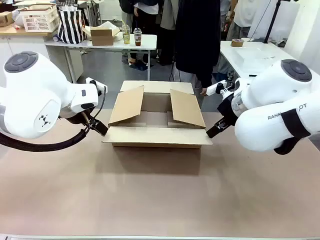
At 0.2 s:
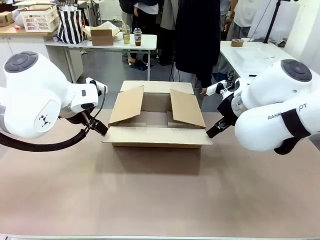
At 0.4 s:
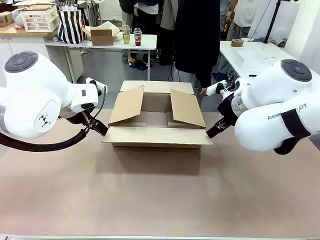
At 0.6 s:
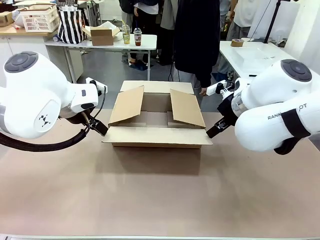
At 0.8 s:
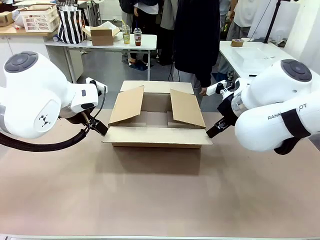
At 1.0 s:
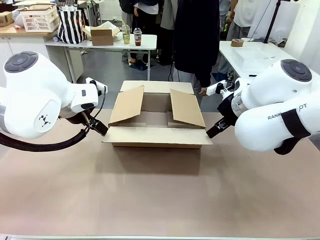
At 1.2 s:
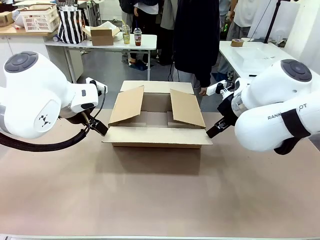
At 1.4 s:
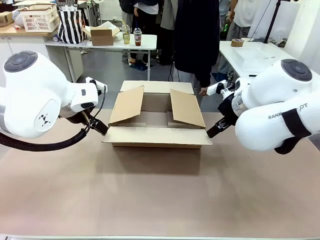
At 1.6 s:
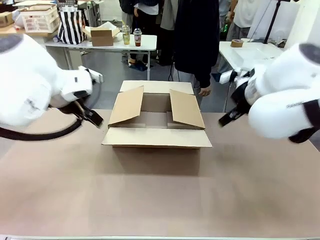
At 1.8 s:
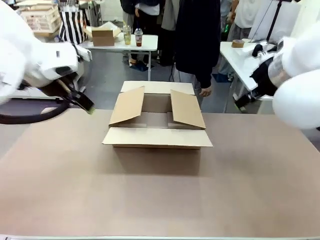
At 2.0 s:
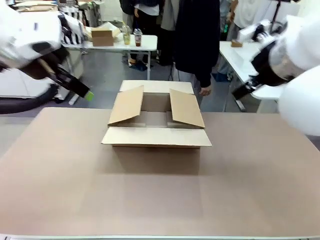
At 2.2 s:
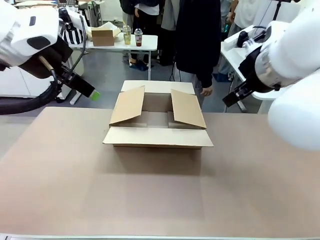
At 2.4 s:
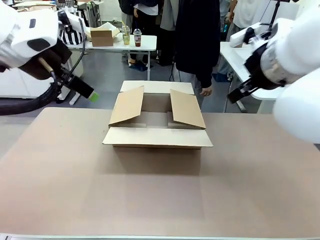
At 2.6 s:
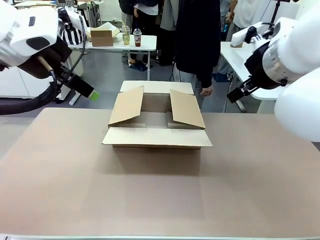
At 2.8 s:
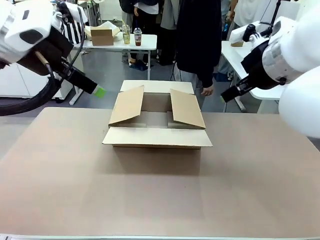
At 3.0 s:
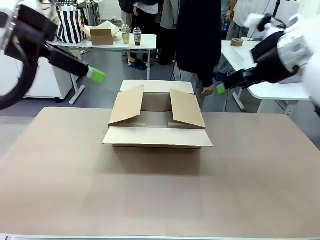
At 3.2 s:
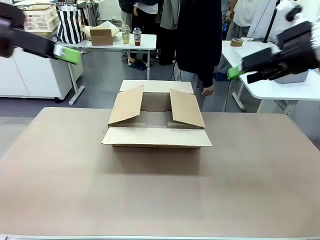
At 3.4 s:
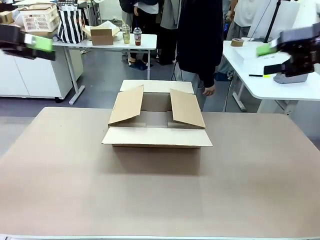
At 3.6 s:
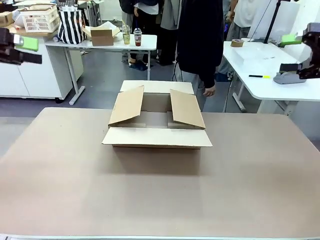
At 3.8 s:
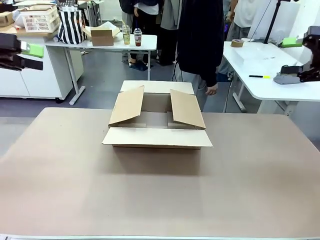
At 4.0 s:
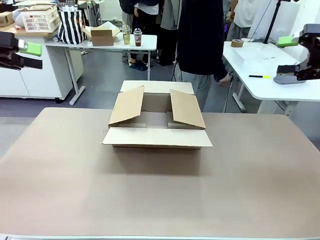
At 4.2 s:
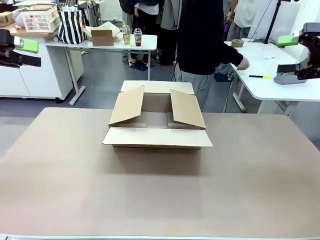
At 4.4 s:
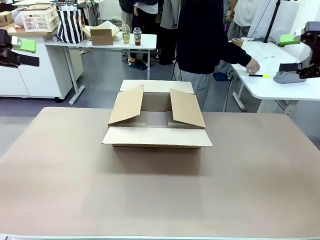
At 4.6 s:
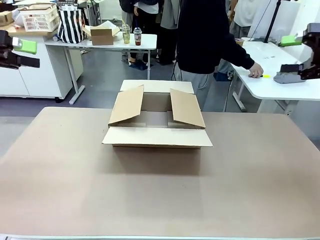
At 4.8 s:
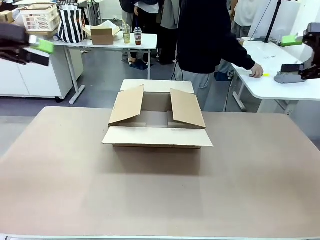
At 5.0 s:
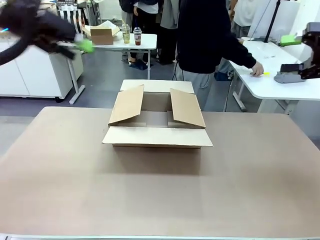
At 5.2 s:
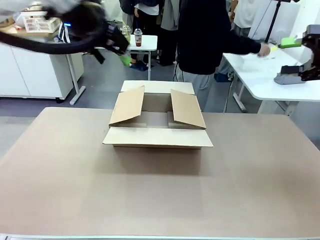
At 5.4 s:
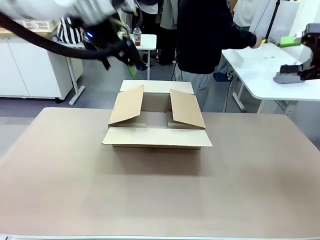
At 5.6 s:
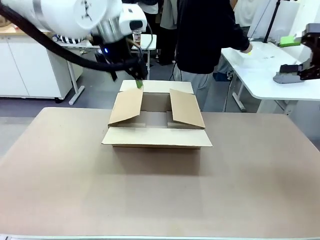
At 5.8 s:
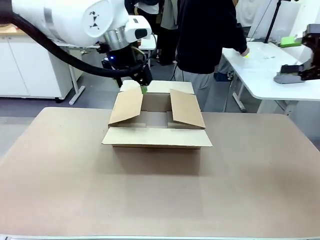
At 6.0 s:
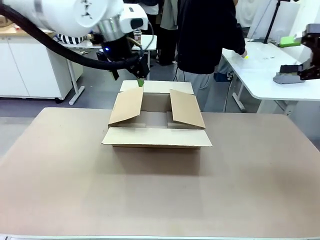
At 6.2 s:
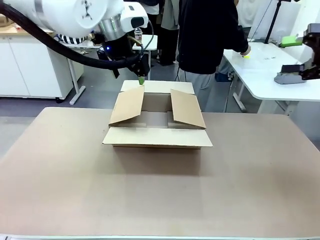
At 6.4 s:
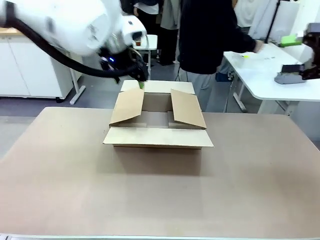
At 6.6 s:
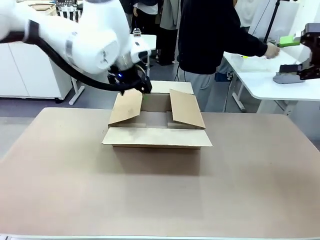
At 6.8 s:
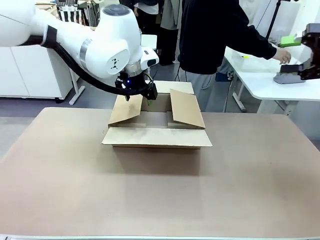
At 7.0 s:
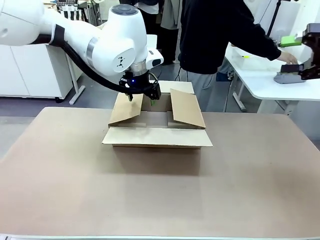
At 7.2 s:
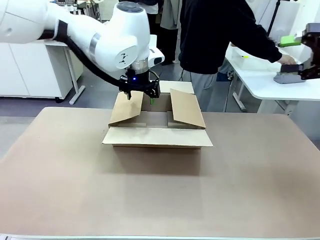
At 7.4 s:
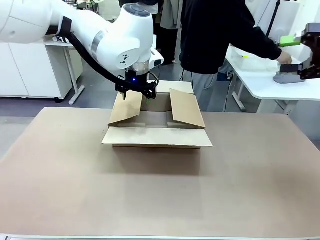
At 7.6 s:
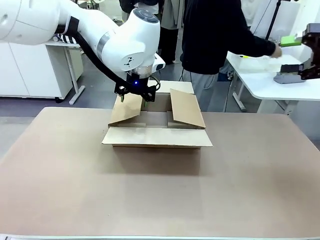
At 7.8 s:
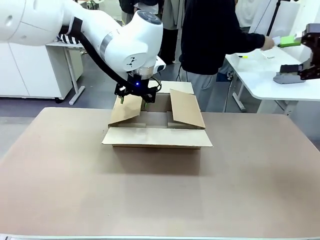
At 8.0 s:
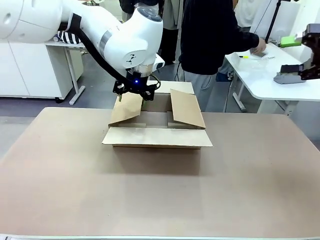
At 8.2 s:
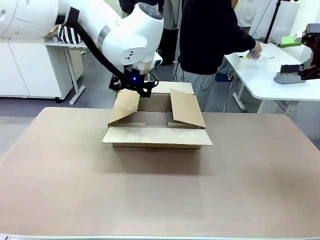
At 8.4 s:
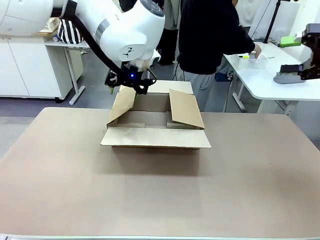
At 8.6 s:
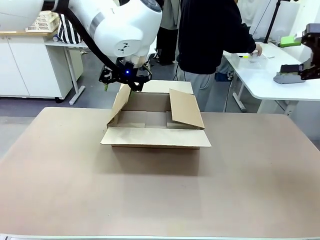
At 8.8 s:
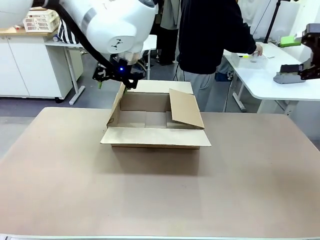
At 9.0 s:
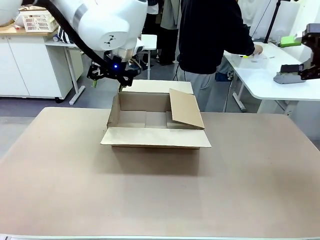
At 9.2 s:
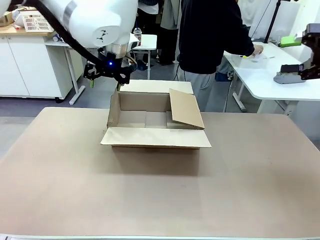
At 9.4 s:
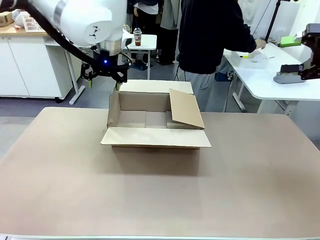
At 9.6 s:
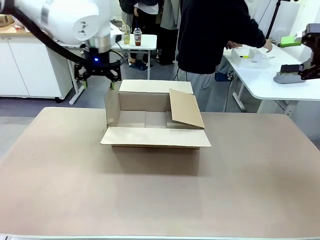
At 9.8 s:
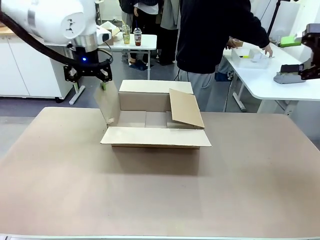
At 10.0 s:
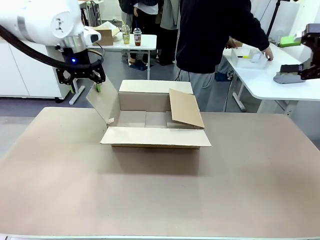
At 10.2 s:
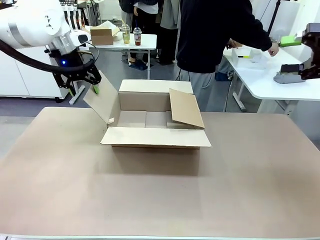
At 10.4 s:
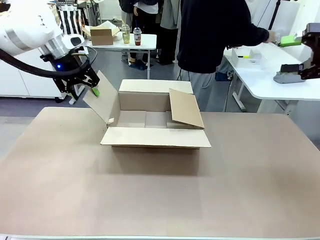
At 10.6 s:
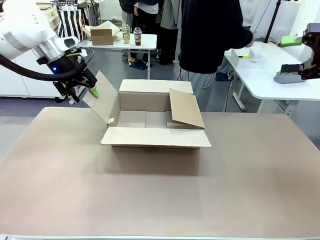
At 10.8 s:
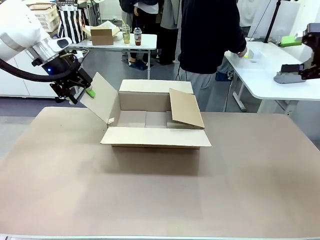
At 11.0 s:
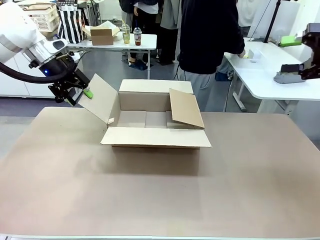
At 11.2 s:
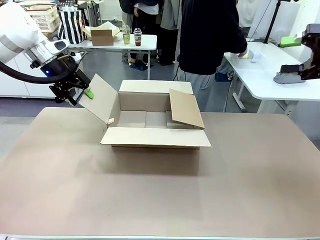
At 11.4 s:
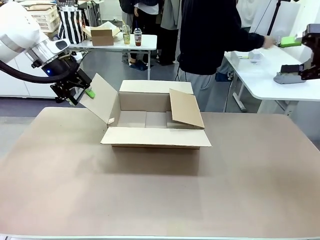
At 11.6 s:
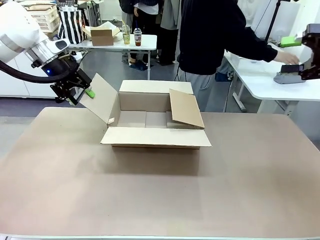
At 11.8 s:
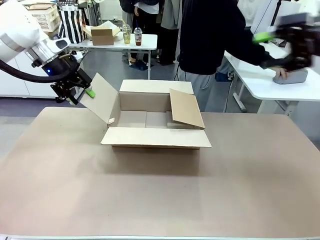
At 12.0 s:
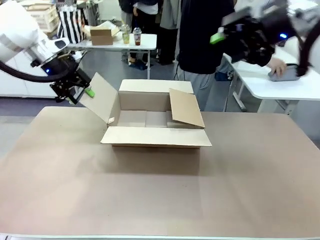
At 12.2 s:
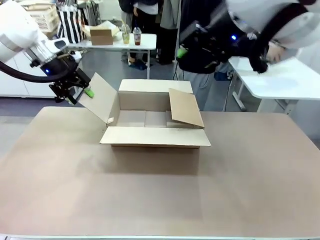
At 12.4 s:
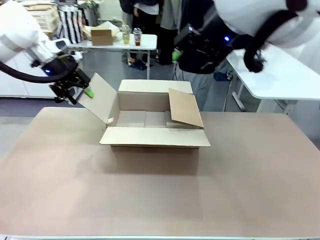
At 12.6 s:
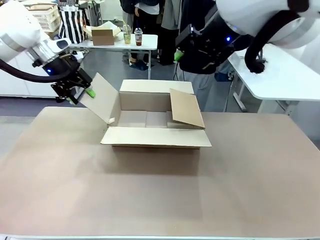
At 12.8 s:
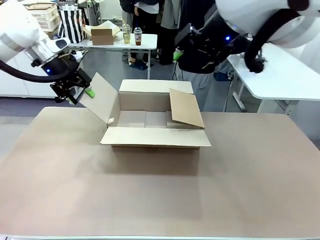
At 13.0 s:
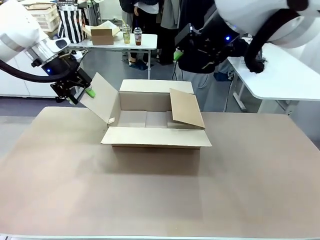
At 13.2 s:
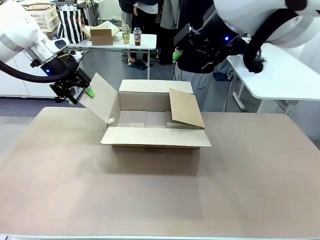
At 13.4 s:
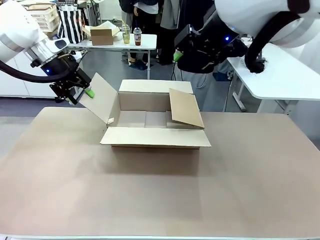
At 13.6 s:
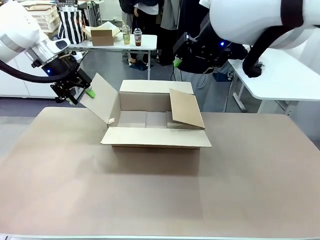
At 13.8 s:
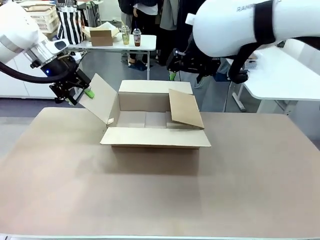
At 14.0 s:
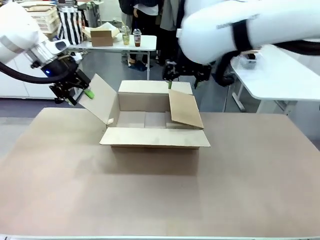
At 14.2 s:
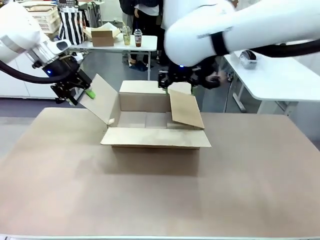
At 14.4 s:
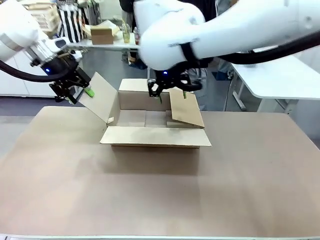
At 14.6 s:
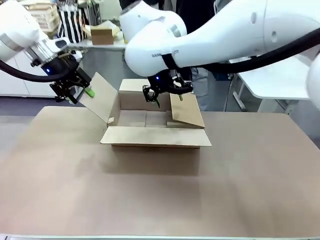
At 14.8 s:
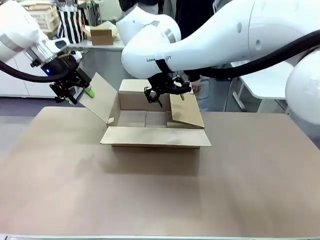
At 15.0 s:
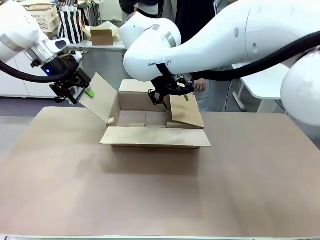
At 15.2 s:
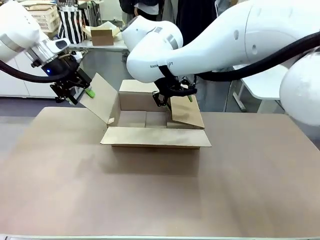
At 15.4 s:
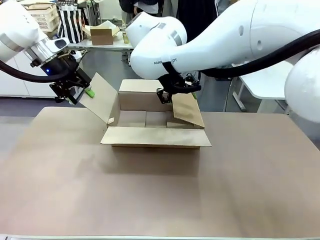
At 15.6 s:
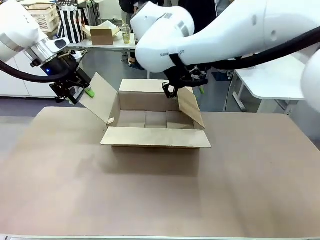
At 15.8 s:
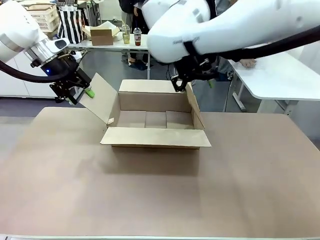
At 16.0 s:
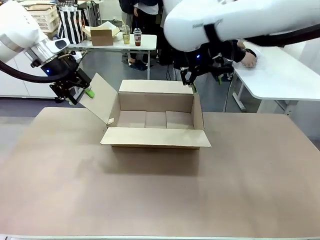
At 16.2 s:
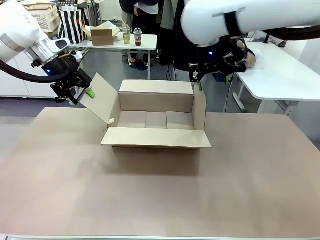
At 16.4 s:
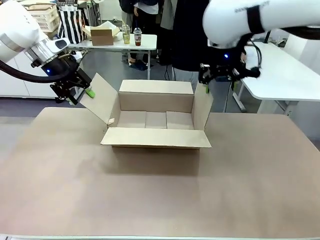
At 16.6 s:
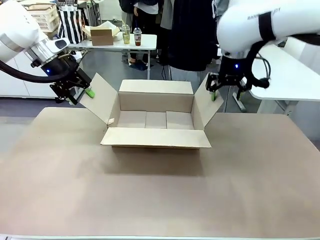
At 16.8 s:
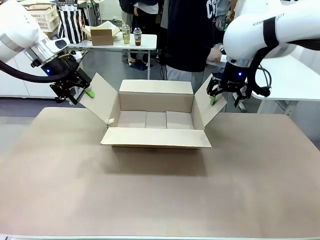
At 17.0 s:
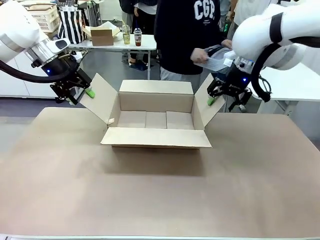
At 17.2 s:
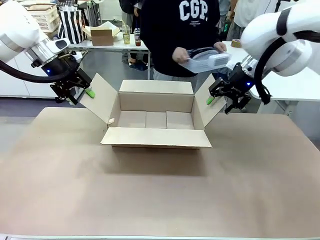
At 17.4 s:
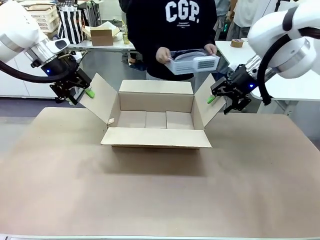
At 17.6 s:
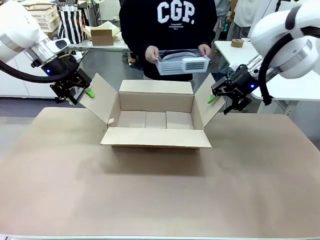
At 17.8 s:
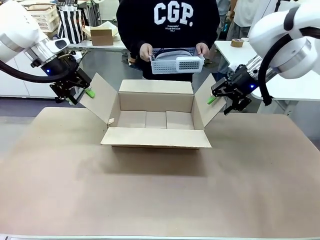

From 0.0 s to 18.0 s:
Task: Pack the gift set into the box.
Robot: Place both hands on the side flaps of the Package Box and spread them outward.
Person: The human places all items except the paper tape into the organizing basket. The human picks up the organizing basket and places the organizing basket into the package box on the robot table.

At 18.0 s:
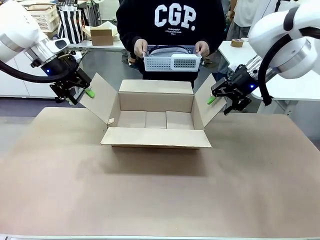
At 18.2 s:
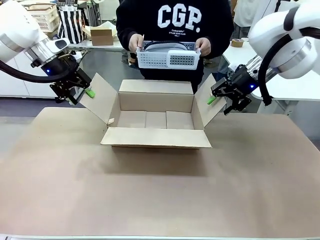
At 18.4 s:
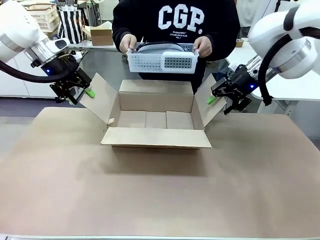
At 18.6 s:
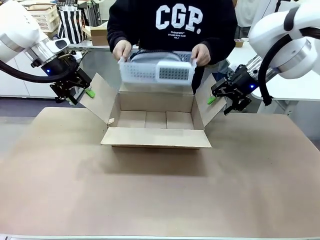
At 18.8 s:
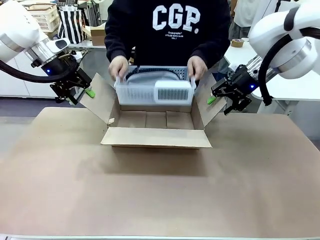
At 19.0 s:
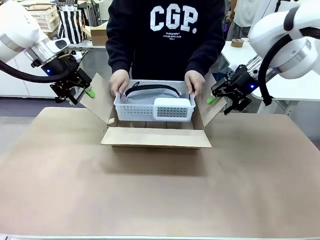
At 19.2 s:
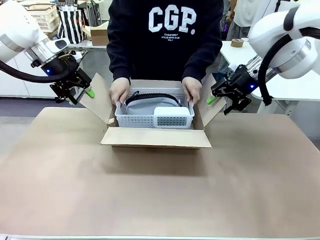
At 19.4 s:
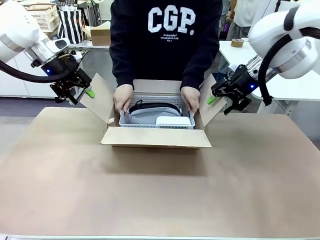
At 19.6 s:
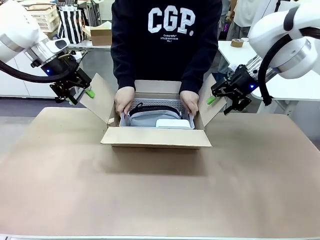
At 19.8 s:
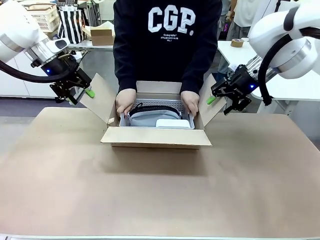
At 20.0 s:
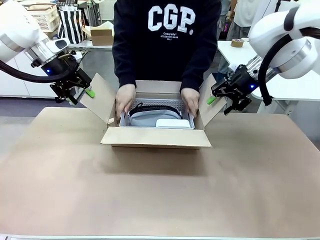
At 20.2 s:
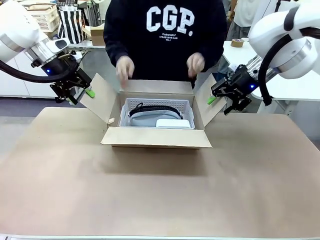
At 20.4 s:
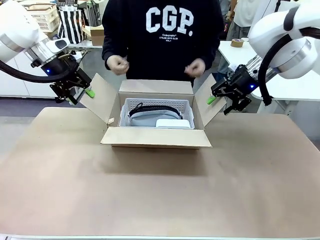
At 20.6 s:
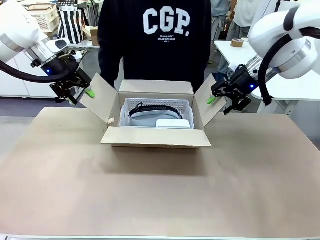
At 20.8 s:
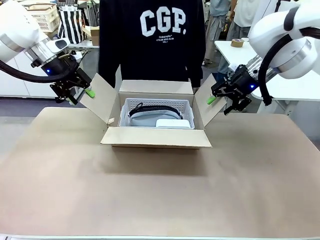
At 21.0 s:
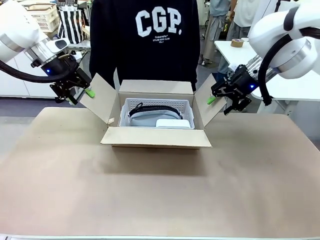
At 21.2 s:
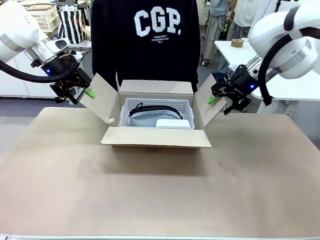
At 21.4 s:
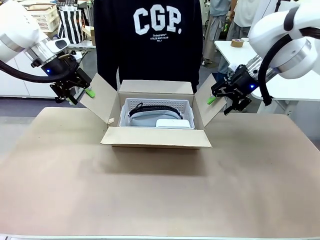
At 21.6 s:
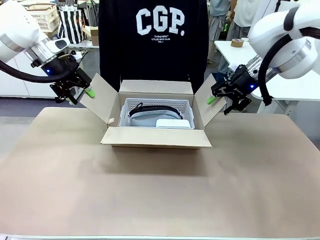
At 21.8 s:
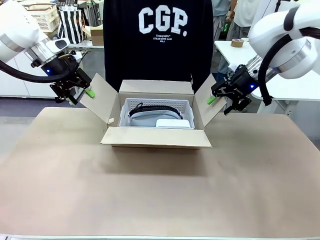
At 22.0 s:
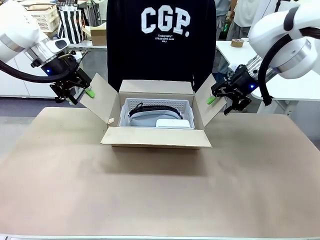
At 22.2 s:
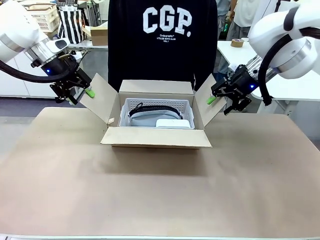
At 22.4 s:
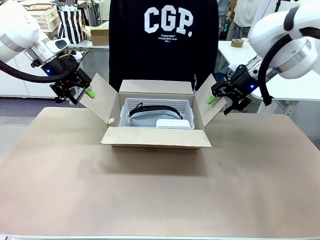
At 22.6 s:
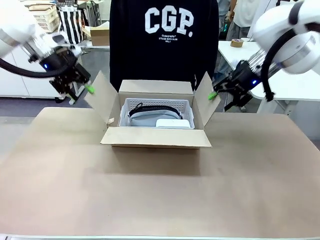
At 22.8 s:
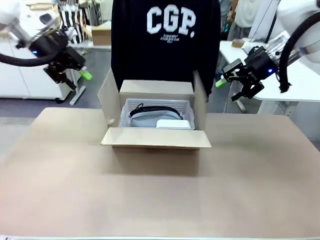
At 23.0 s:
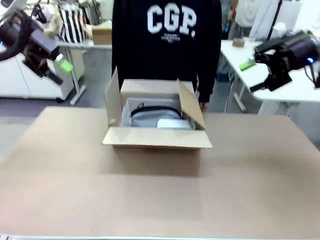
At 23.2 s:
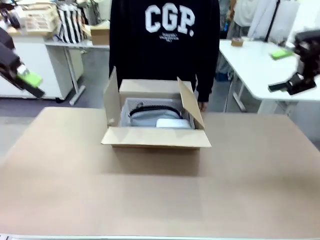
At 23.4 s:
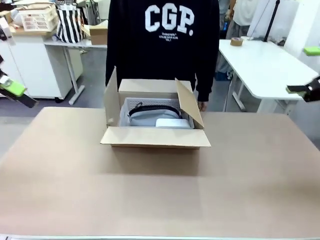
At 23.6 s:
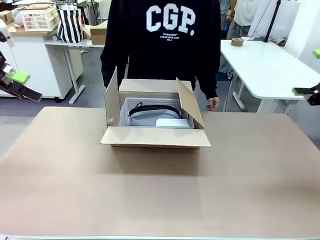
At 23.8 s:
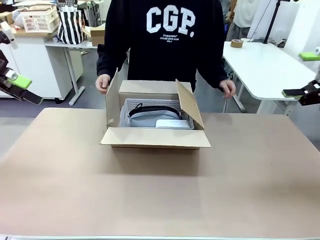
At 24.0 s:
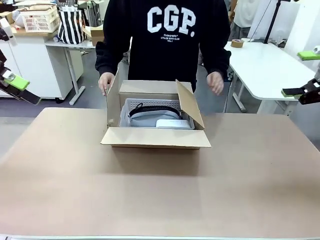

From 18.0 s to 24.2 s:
Robot: Lift both hands away from the flaps of the Package Box.
